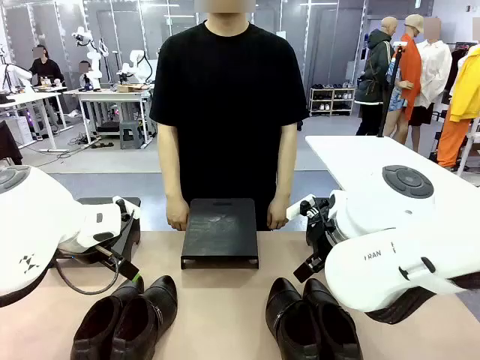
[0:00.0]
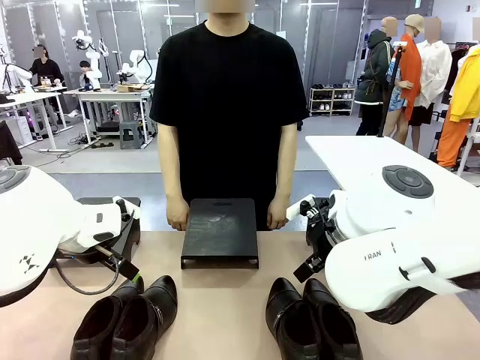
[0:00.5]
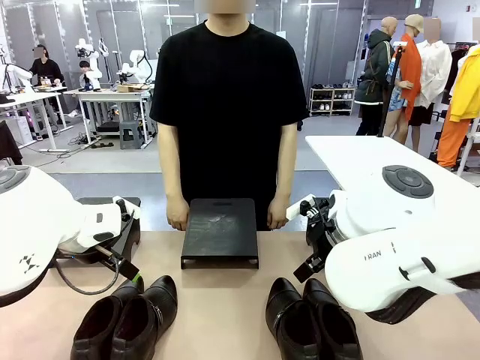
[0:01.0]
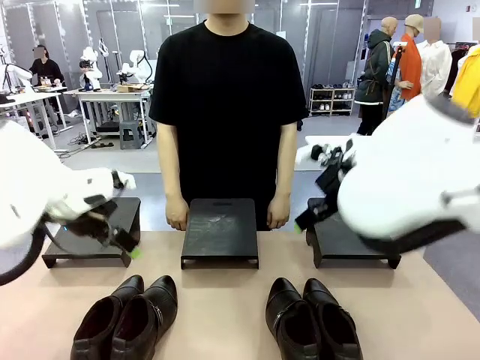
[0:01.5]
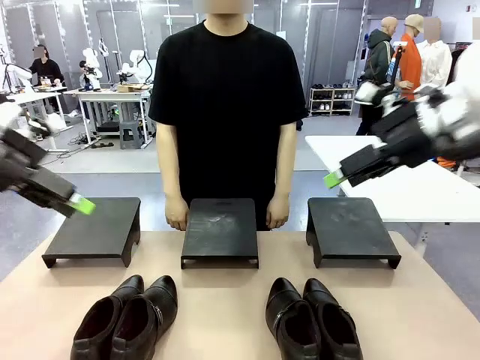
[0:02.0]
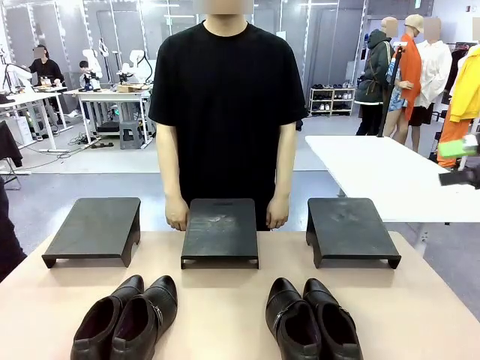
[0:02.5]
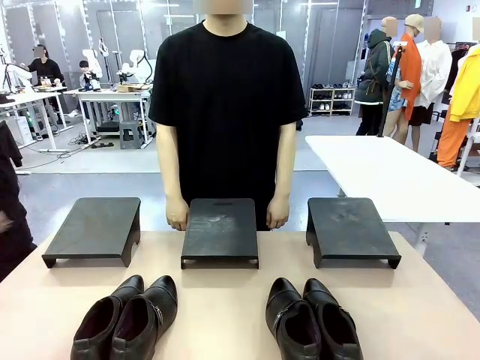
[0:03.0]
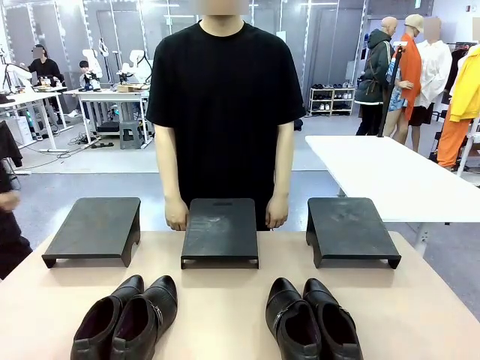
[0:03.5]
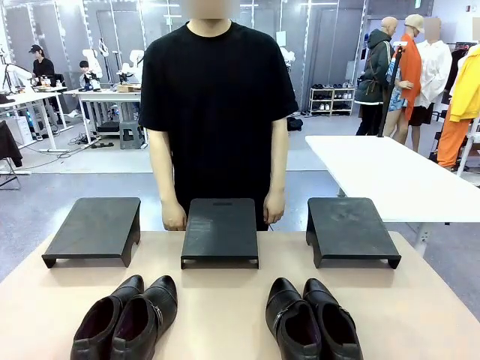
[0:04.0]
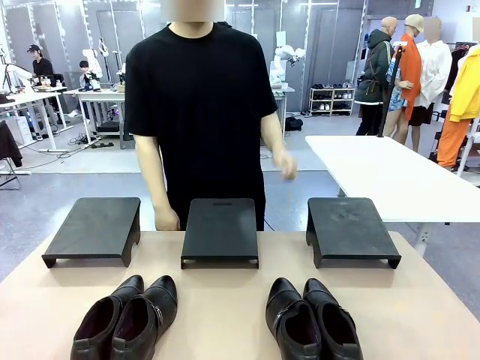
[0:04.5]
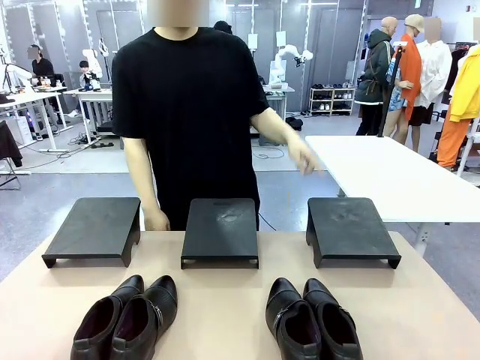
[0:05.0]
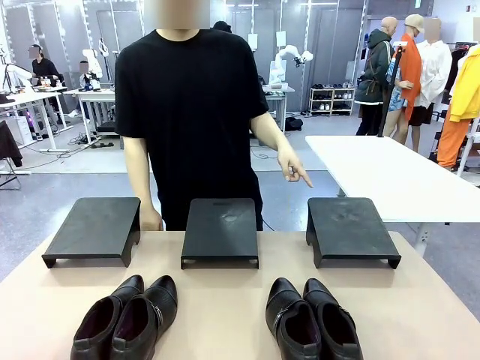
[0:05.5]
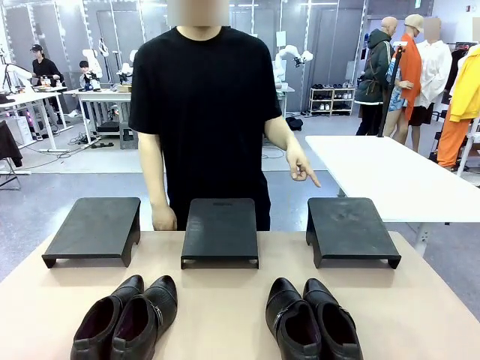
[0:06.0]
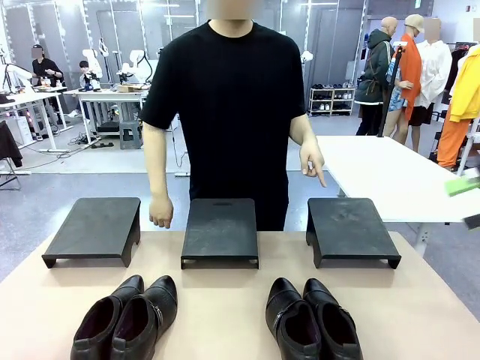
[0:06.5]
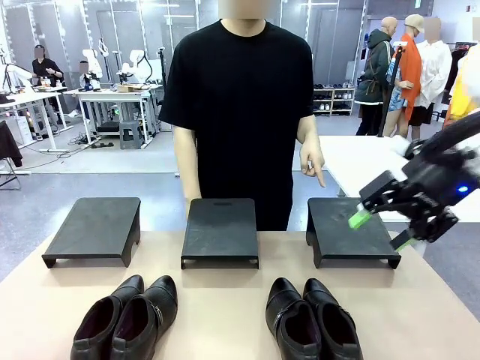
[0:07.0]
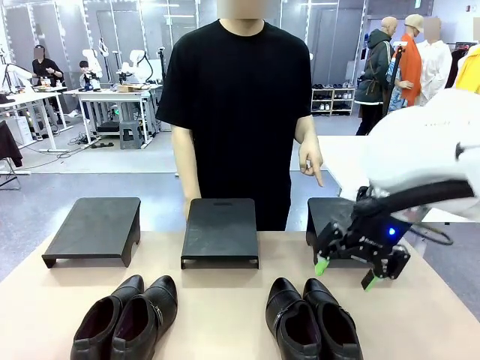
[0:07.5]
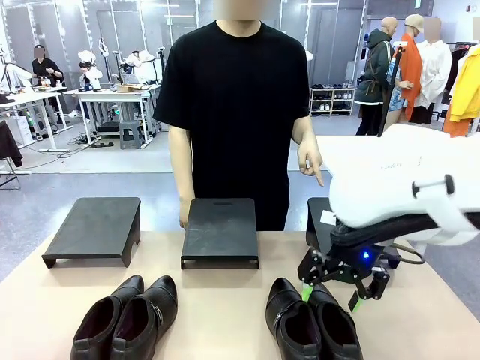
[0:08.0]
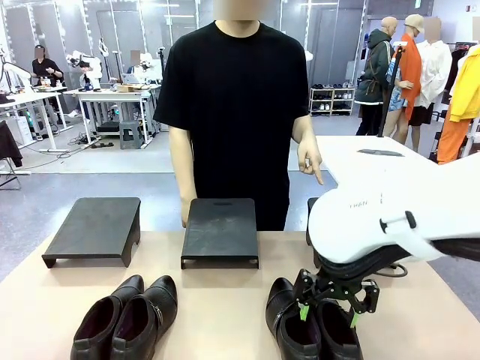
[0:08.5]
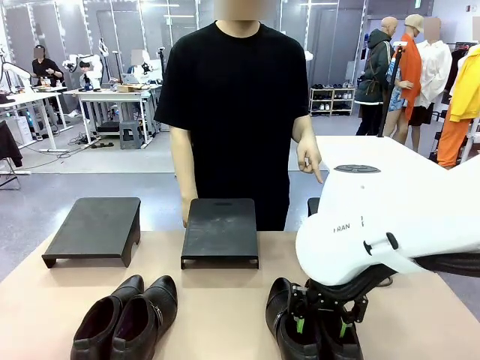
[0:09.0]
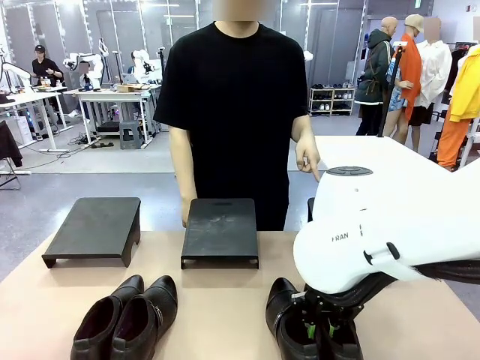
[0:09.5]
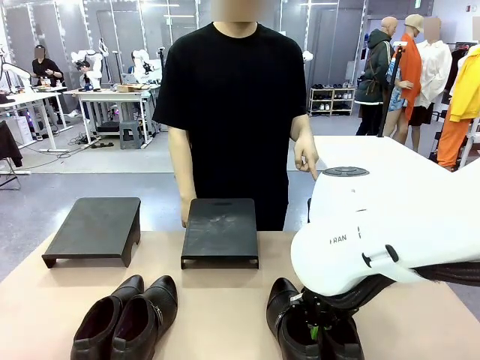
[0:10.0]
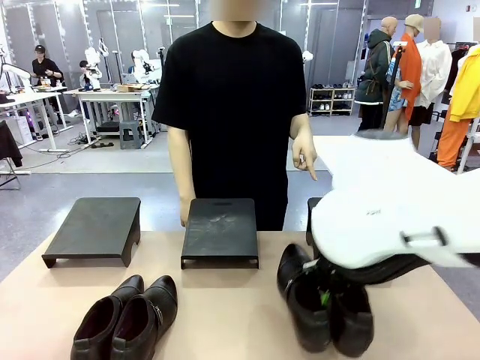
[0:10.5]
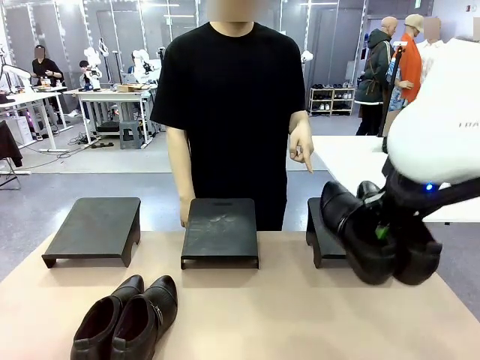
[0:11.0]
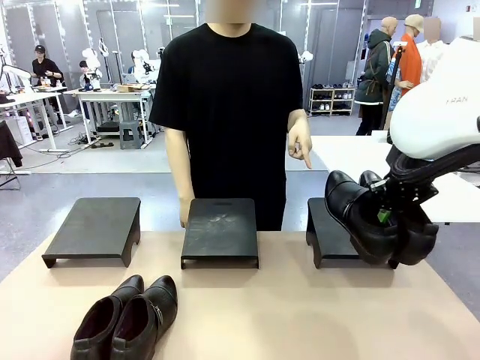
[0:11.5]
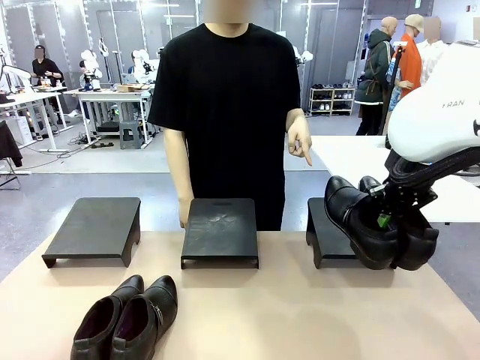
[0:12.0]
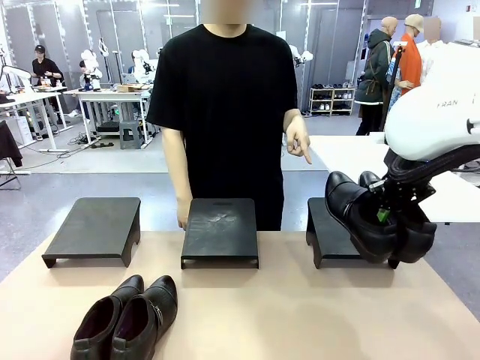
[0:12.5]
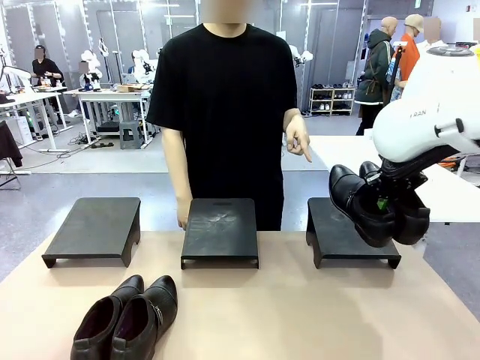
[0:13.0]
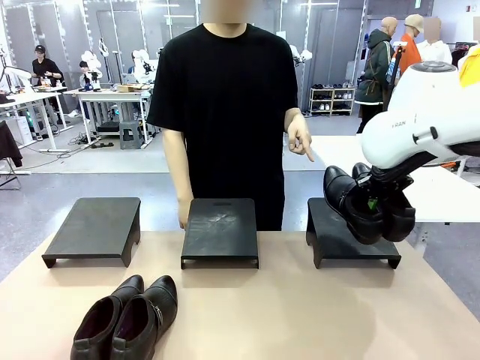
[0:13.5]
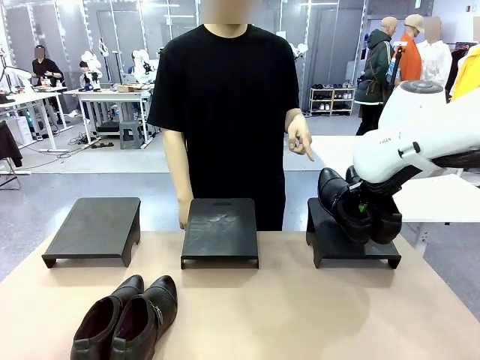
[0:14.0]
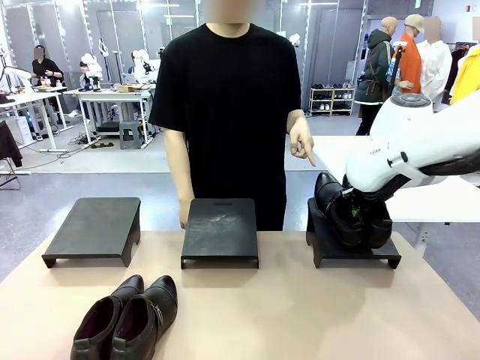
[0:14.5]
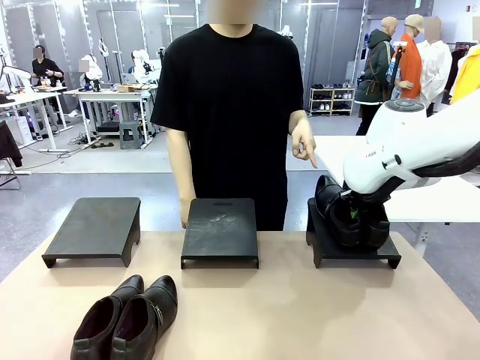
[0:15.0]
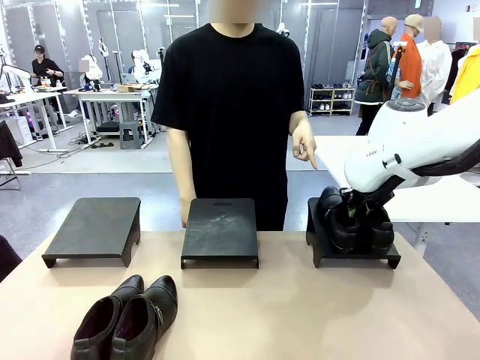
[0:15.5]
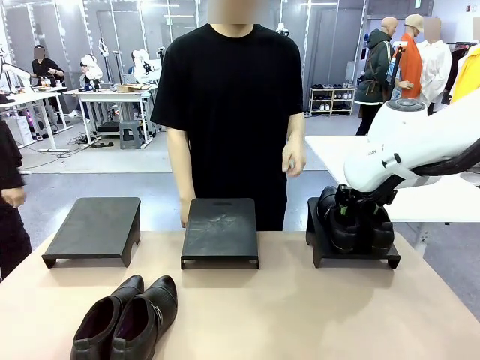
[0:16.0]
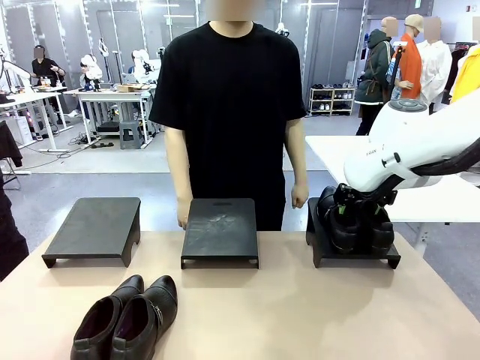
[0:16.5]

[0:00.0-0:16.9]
Task: Place the shoes on the stand as instructed by the person.
Robot: Pick up one pair of Shoes and place it on the Shoes Stand indicated by the person.

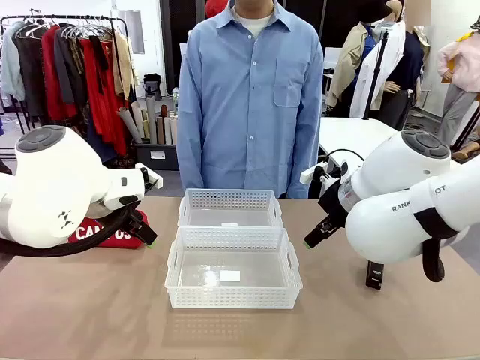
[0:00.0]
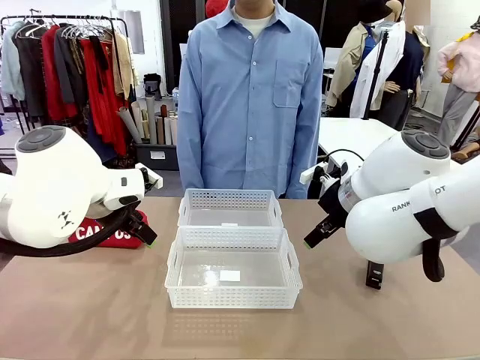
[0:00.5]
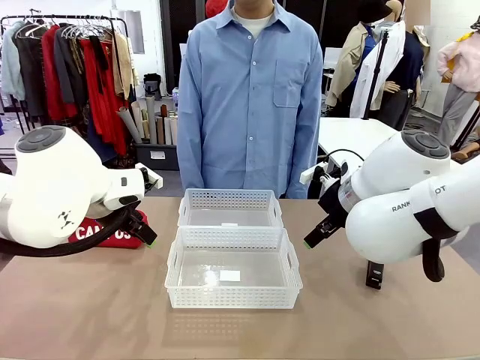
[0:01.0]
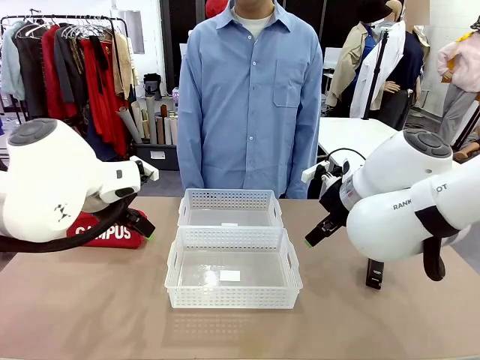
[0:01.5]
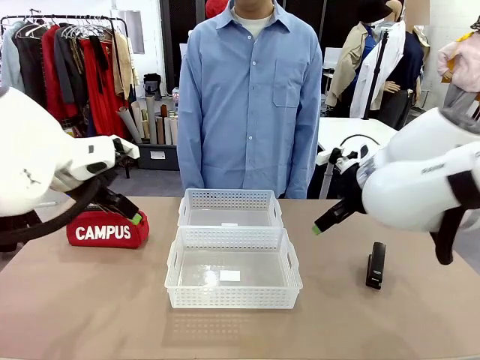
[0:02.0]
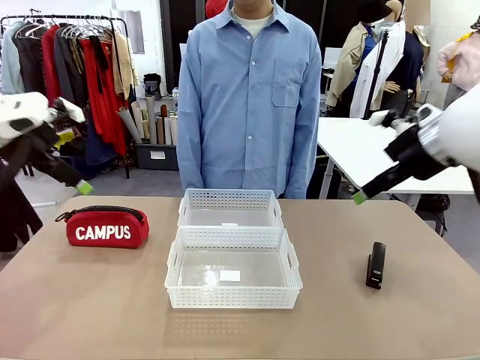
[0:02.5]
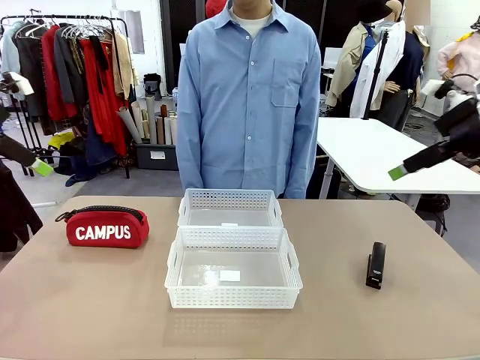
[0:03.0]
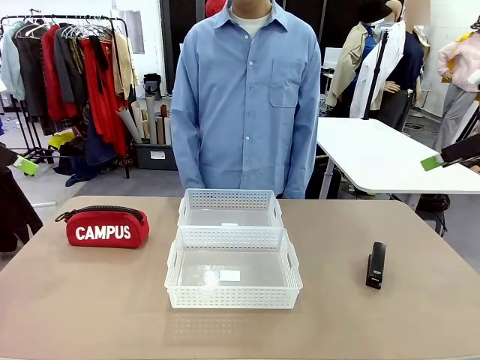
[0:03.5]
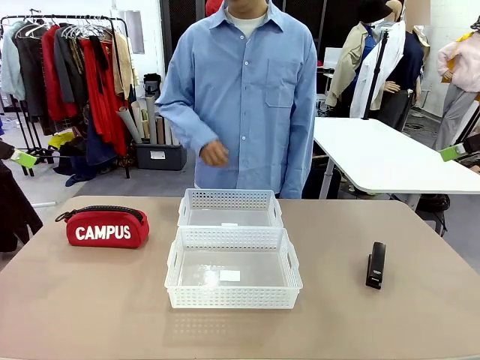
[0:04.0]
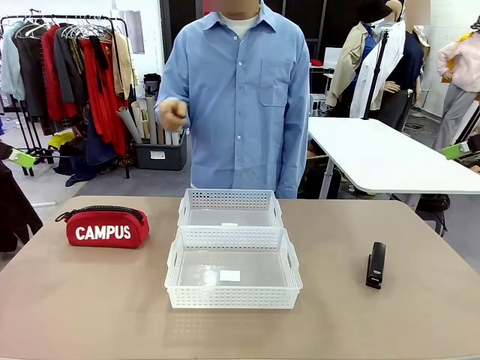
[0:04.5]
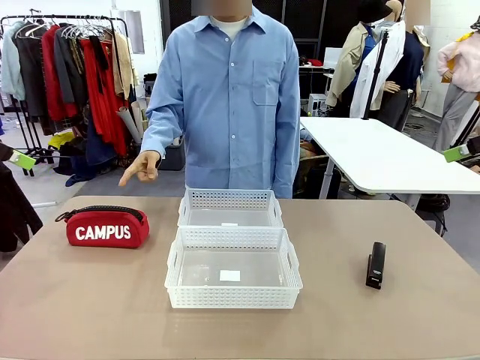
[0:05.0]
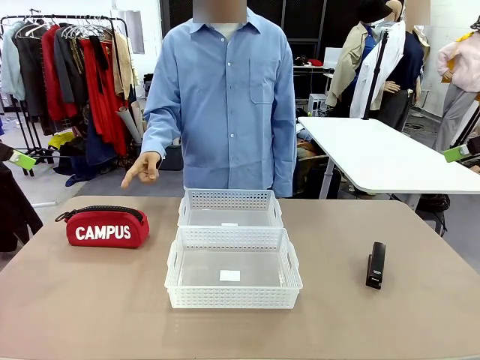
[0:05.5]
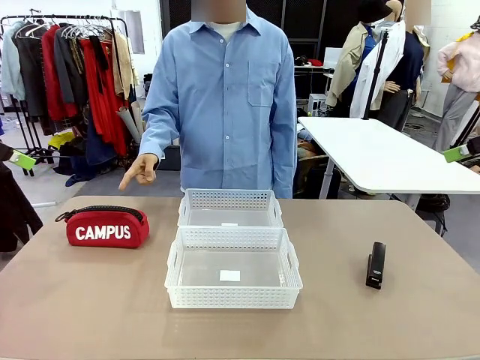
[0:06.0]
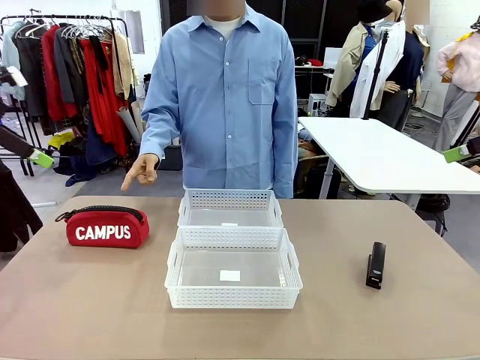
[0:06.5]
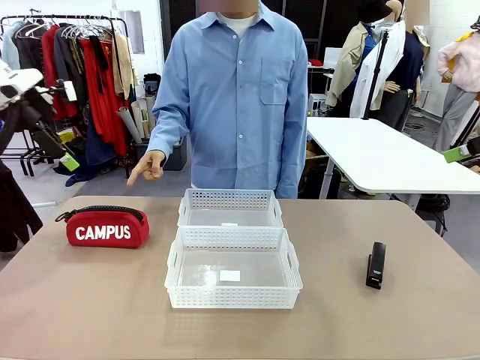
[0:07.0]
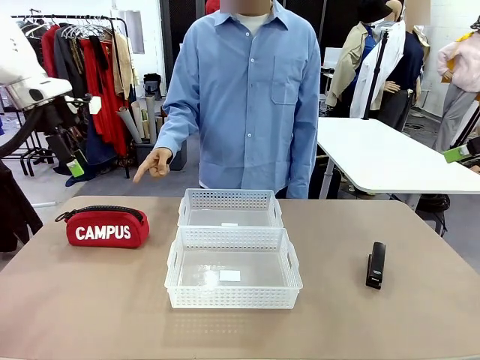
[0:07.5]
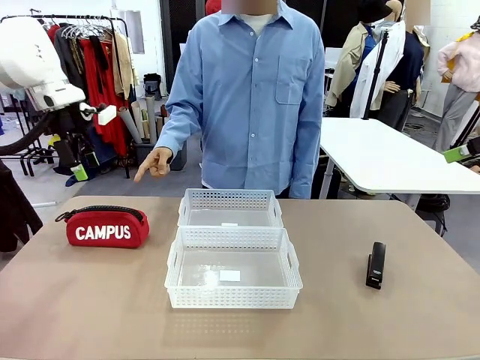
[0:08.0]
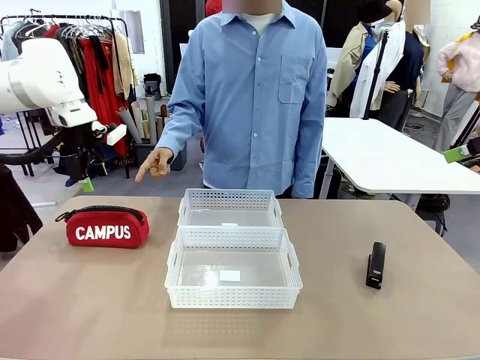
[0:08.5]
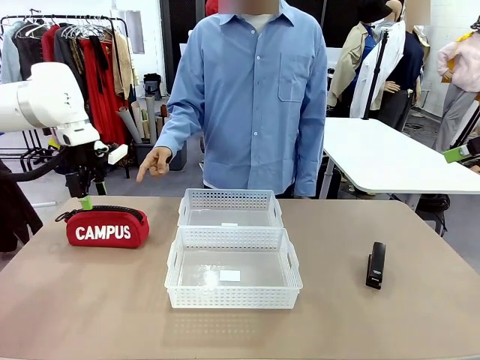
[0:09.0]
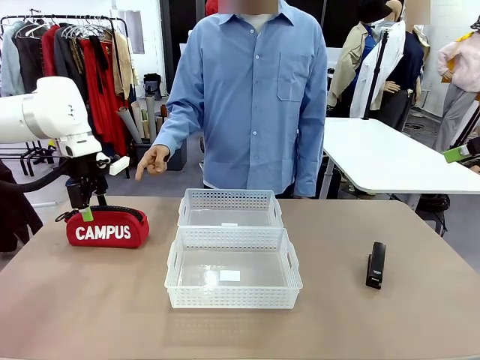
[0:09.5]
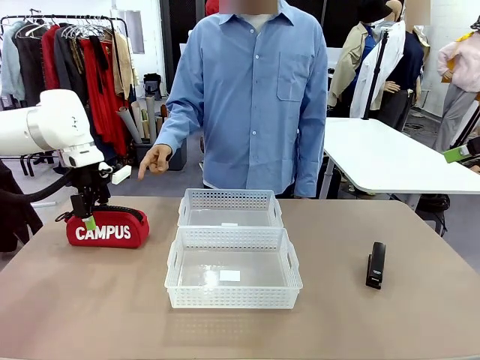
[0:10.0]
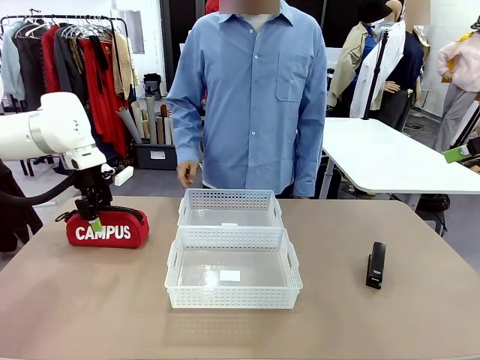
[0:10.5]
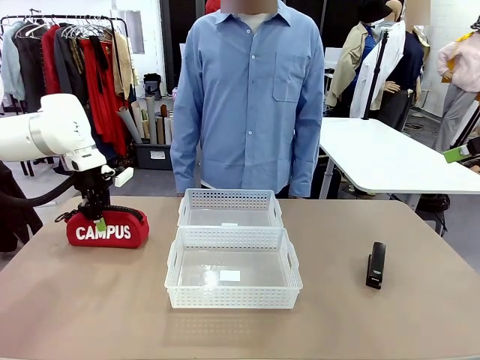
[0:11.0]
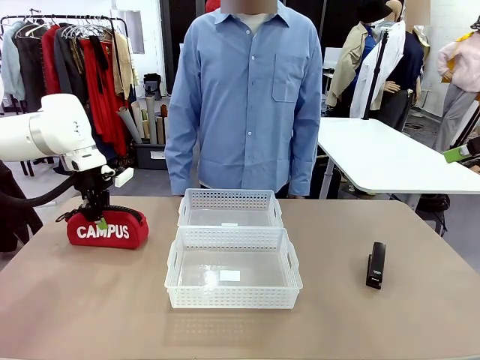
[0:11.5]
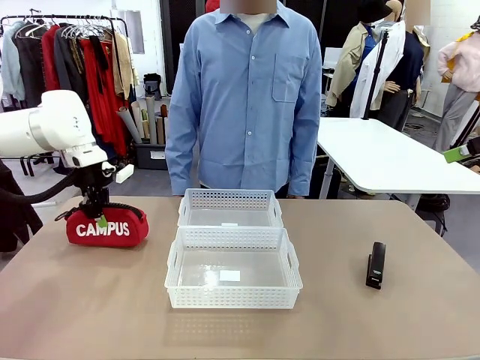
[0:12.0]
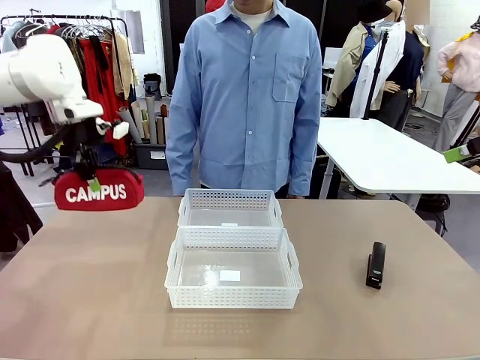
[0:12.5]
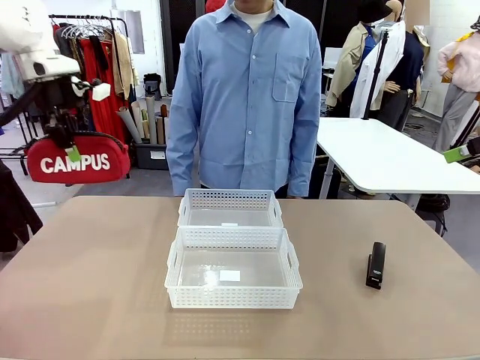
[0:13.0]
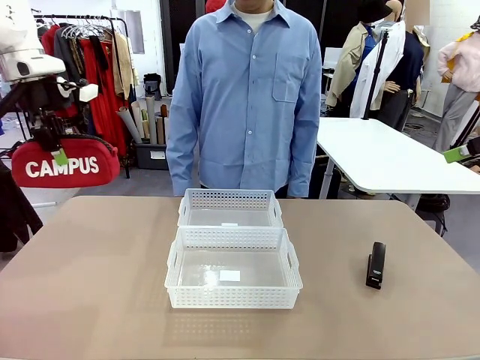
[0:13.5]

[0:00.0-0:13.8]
Task: Distribute items into two baskets.
Robot: Pick up the Pencil pouch that the person points to.
Person: Points to the pencil case. Points between the two organizing baskets and instructs the robot to move the pencil case.
